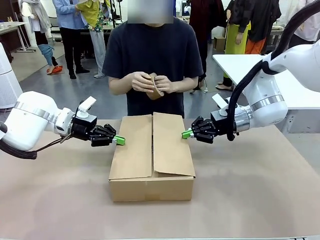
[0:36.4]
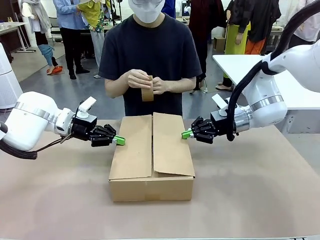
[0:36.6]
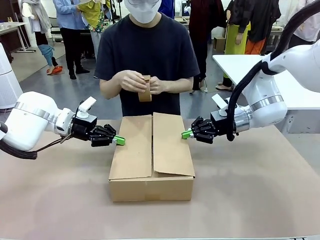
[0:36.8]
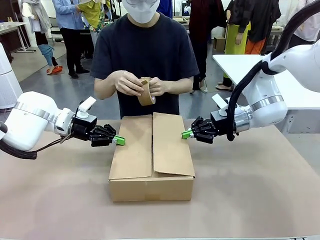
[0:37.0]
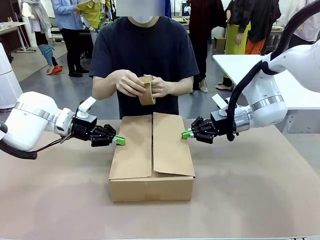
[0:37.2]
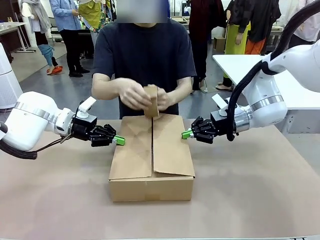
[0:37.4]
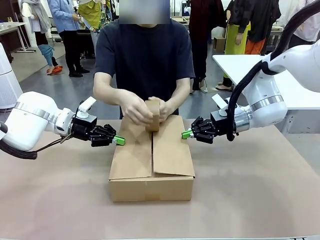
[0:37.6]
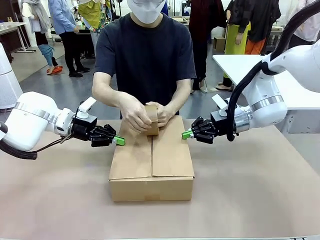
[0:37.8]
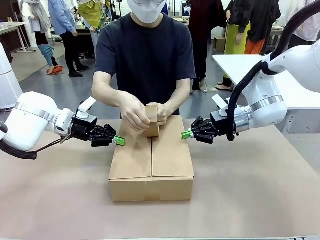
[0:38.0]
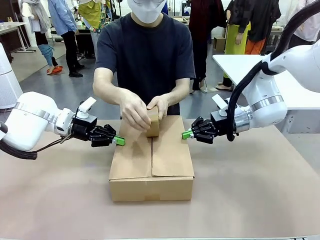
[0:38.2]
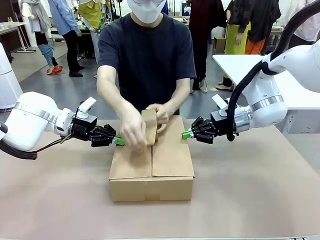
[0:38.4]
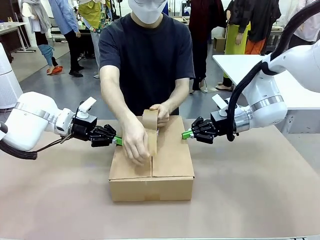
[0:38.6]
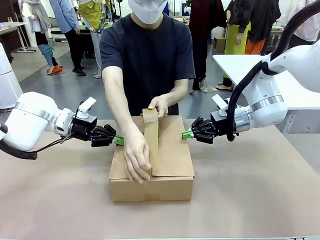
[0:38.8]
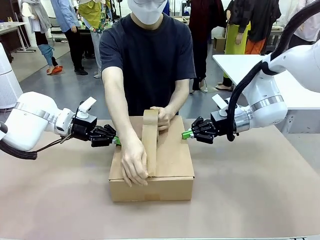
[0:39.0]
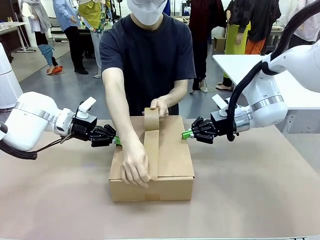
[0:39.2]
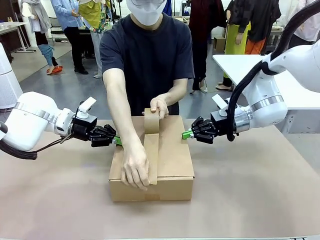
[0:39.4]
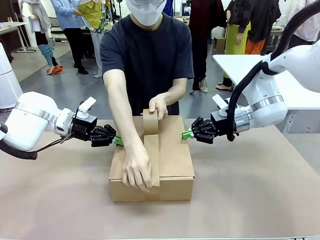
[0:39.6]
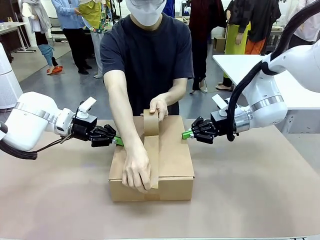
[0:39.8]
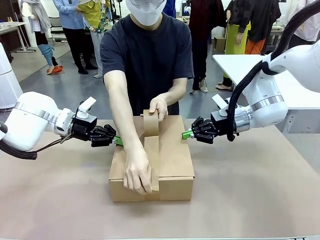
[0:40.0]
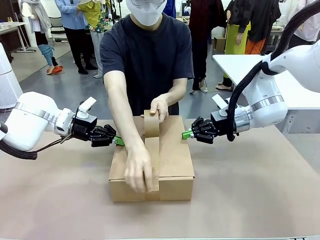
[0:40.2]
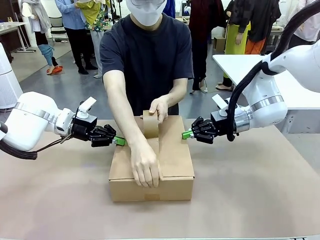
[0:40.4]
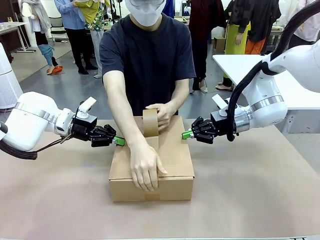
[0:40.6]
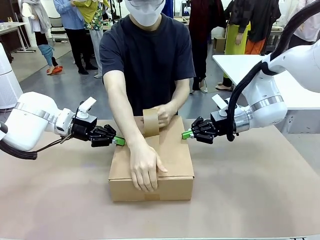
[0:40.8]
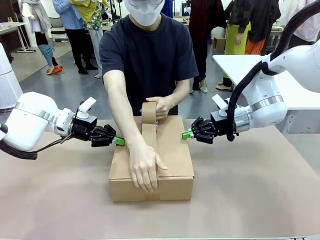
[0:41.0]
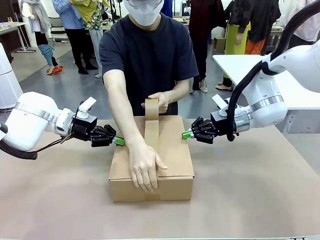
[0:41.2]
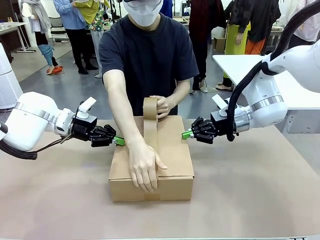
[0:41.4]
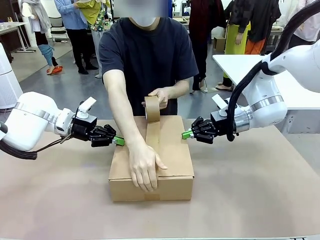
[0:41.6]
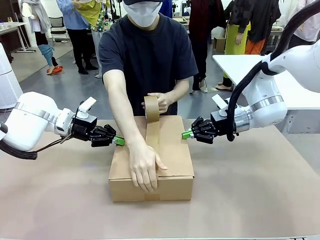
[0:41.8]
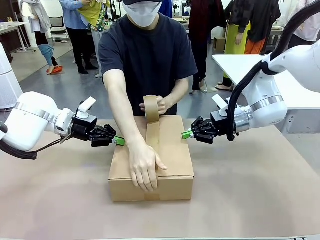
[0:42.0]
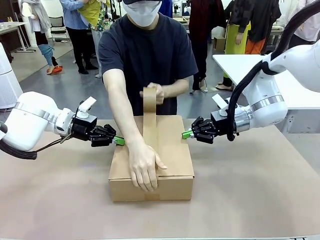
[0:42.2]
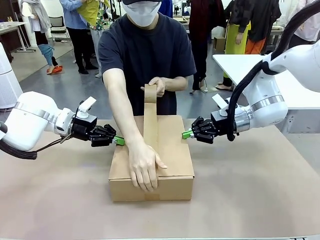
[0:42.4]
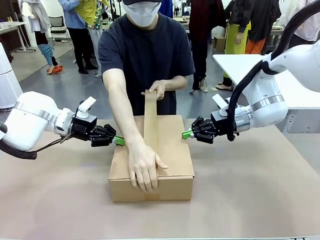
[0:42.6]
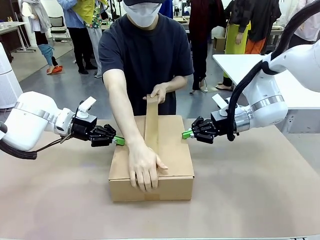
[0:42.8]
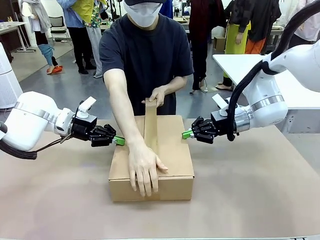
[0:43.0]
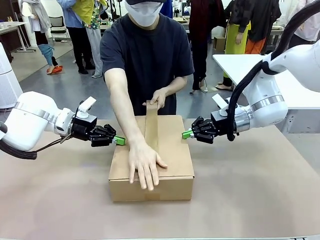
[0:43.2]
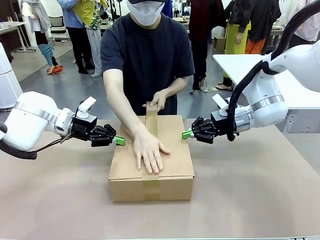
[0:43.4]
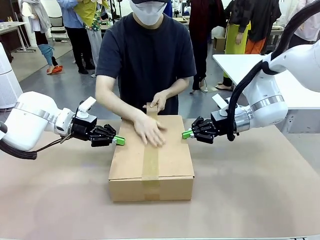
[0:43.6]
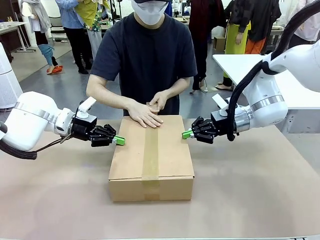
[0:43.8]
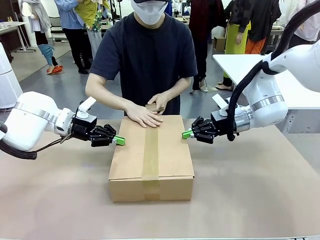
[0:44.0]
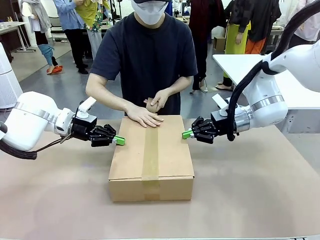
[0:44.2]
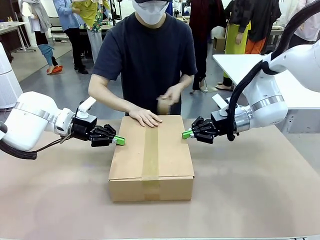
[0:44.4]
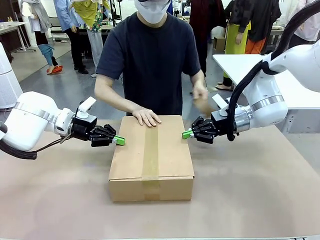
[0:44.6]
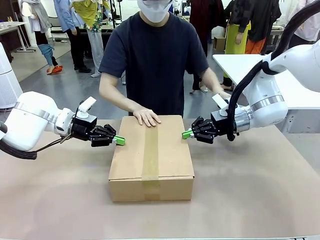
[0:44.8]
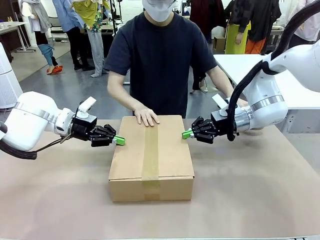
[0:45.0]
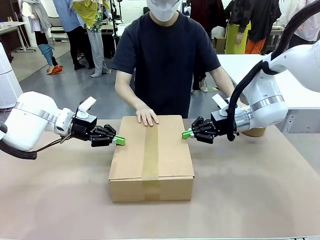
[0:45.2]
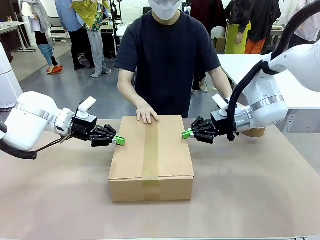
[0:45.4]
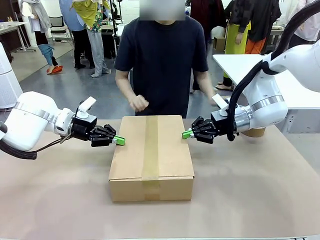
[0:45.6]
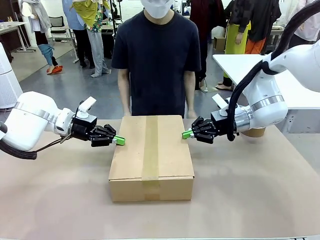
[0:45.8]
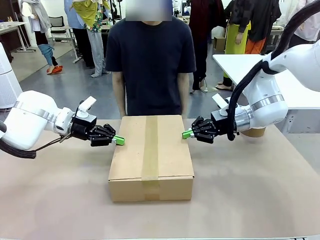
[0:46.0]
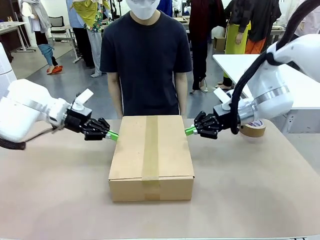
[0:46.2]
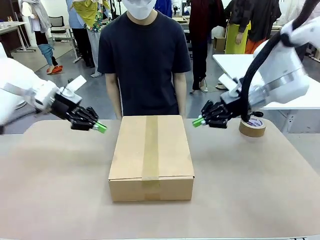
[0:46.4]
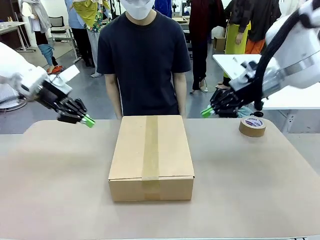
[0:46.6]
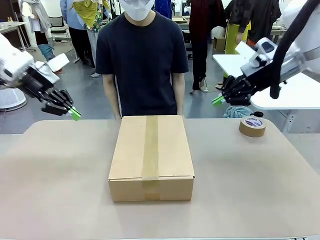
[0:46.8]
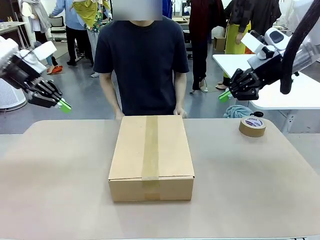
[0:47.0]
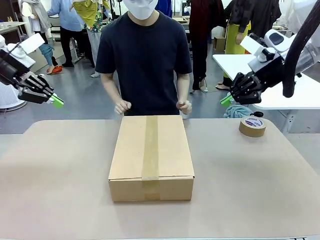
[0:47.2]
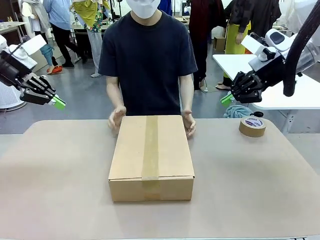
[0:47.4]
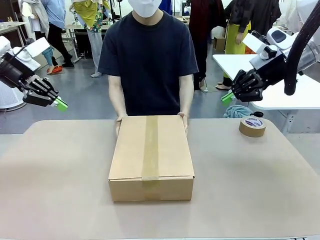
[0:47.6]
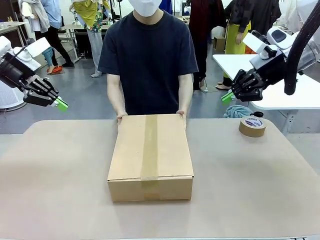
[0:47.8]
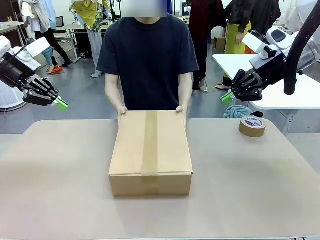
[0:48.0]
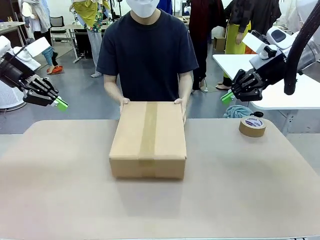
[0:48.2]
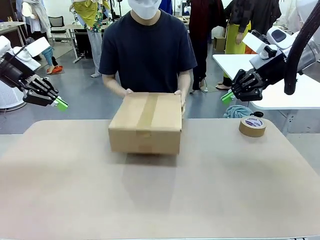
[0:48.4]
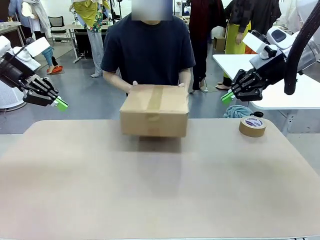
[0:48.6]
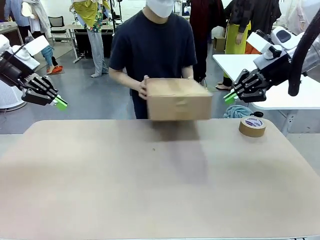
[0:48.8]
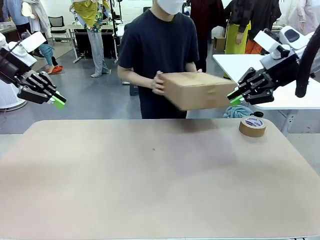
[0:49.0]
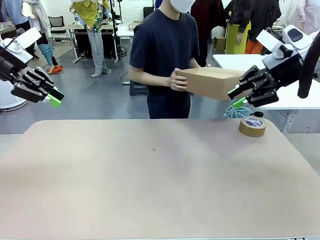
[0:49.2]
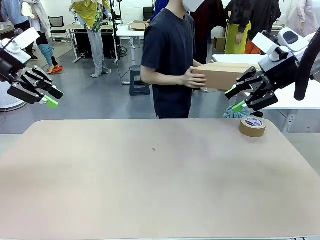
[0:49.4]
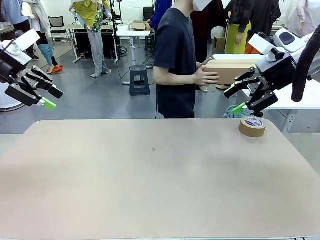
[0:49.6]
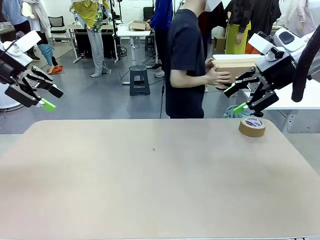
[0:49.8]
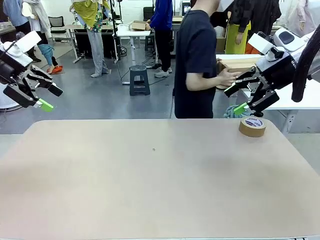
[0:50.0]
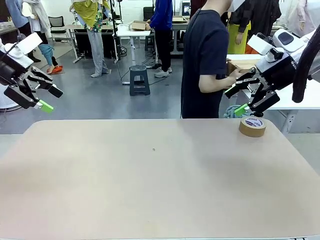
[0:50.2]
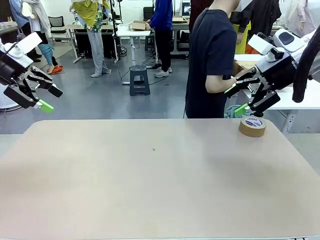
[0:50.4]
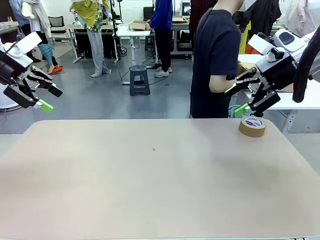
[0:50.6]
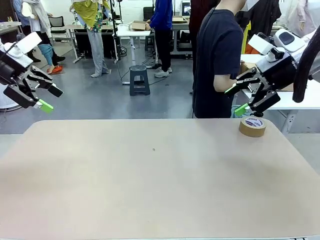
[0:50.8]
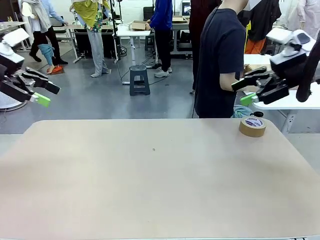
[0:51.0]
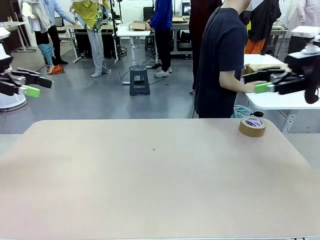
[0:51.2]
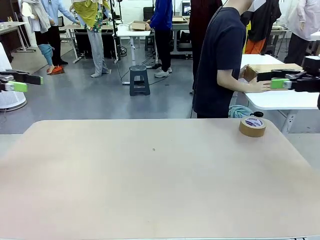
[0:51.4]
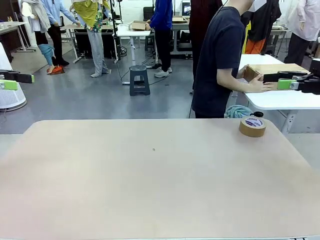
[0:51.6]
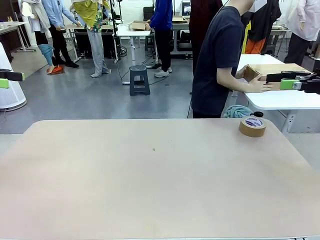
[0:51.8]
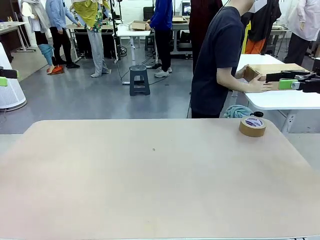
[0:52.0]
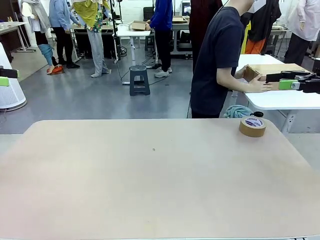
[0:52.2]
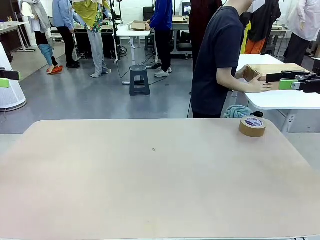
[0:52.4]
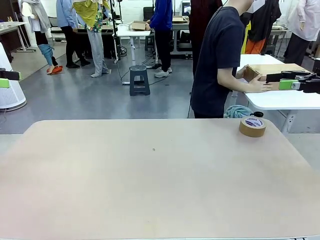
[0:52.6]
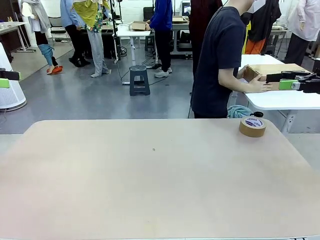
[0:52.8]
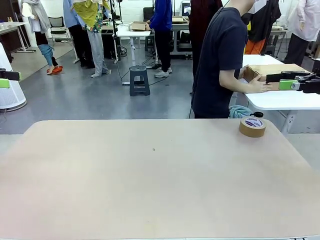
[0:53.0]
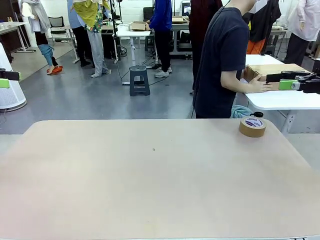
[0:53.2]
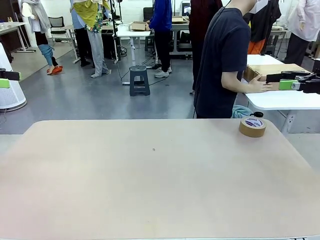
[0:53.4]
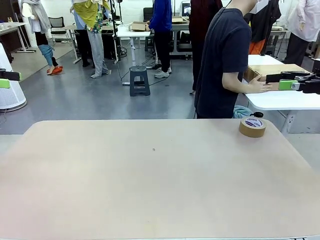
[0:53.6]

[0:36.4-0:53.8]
Task: Wrap the clocks to prevent damage.
Robot: After the human seals the box with tape, release both hands from the side flaps of the Package Box.
Person: Once the robot closes the left flap of the Package Box , seal the box with Paper Tape. Place sealed Package Box in the middle of the human's table.

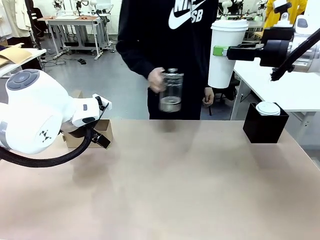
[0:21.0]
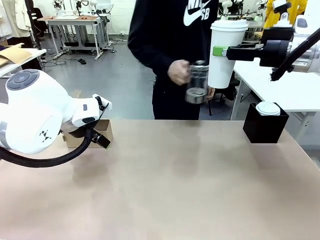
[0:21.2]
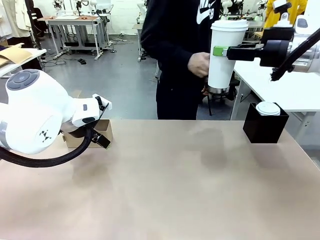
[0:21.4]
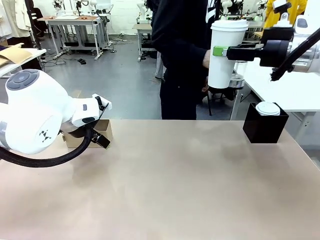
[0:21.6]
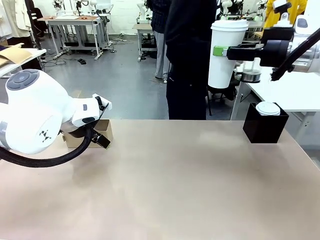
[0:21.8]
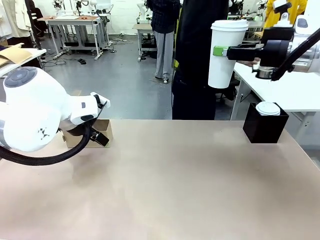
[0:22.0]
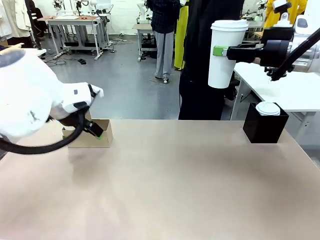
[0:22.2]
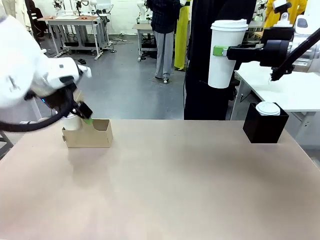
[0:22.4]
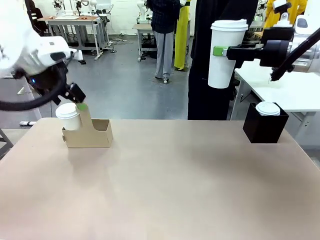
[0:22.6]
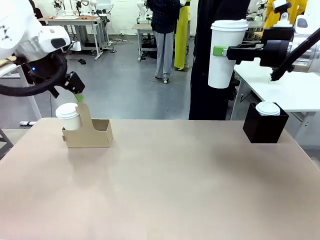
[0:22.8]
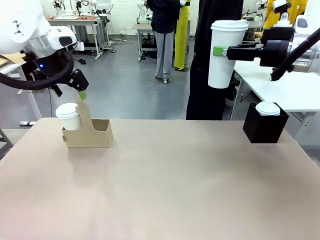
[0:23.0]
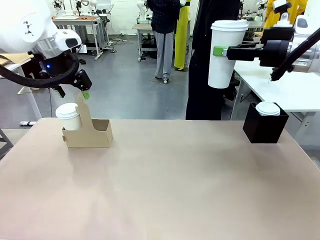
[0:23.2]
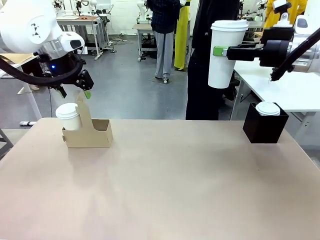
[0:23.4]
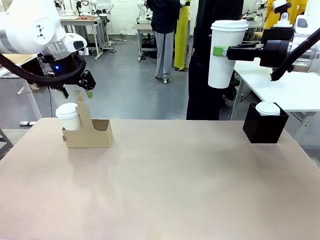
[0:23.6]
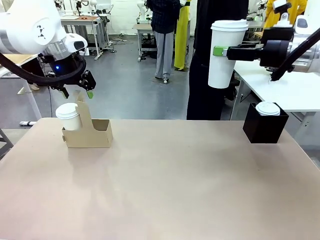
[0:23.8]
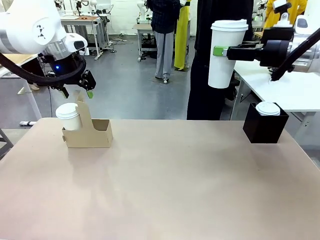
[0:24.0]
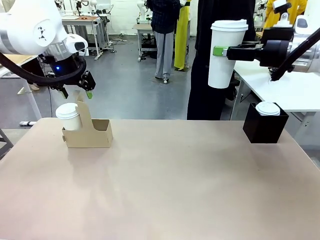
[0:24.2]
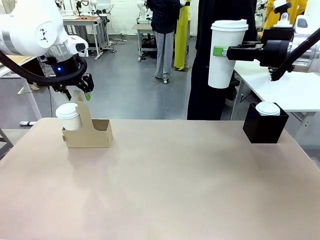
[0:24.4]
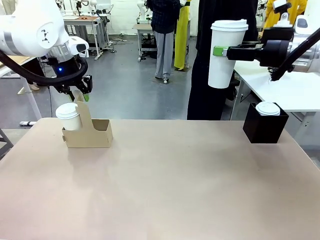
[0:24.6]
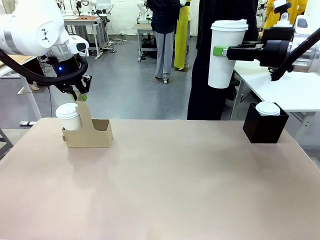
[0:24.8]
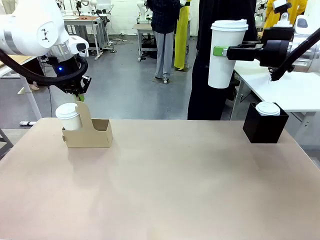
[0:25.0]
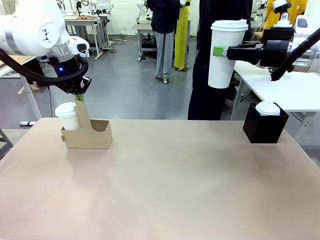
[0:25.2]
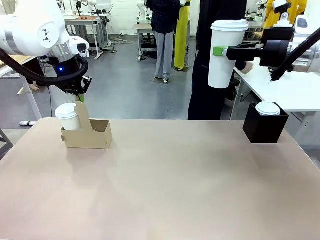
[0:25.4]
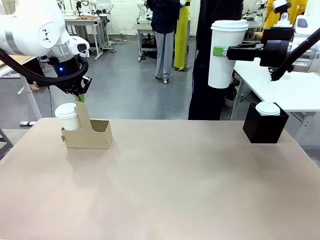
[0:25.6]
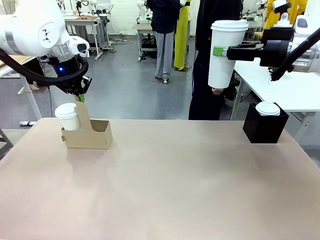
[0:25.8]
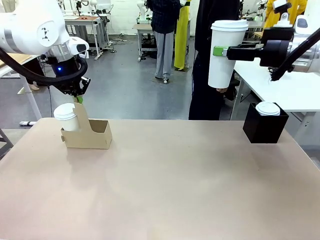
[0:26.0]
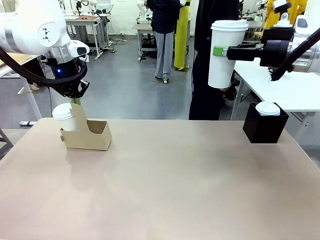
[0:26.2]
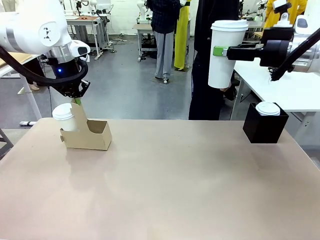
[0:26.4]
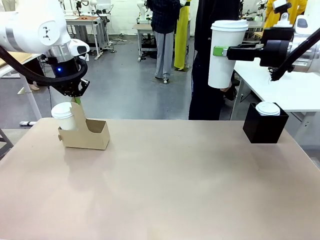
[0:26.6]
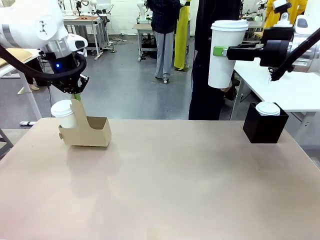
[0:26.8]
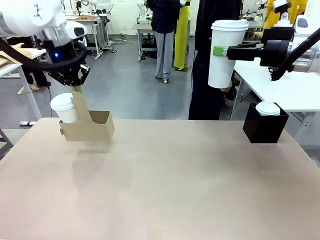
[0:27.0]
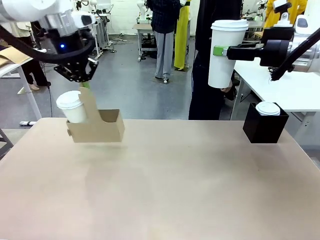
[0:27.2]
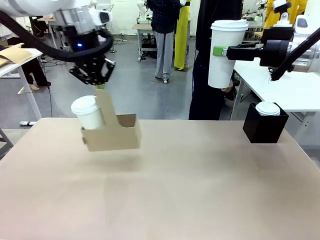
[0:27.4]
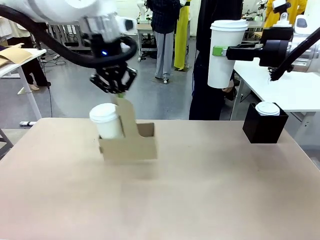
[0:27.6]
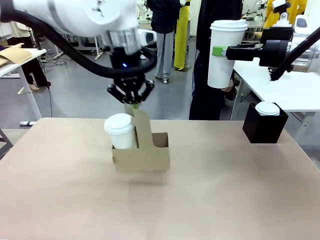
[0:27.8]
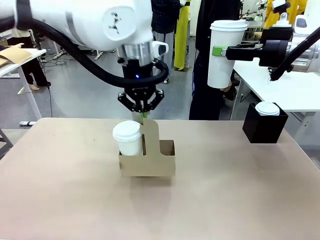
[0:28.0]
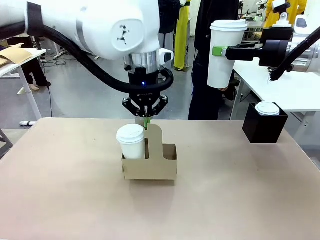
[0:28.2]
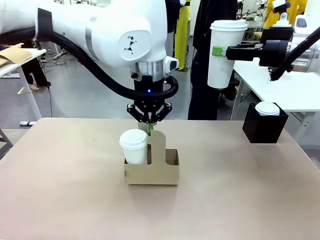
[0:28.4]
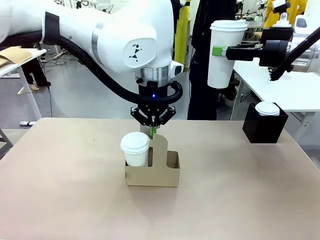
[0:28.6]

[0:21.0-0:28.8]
Task: Pour a drink into a cup and package it in a carrier.
Robot: Position the Cup Carrier in the center of the table.
Person: Pick up the Filter Brewing and place on the middle of Human table, and return to the Robot table.
